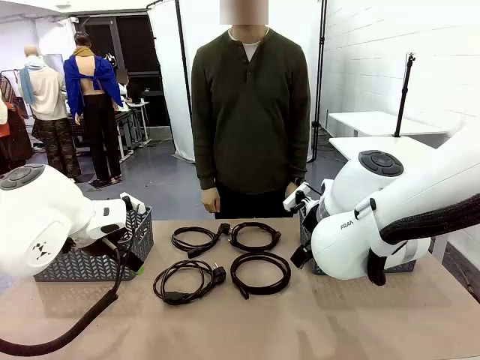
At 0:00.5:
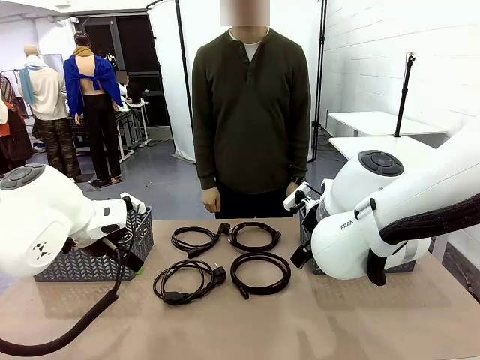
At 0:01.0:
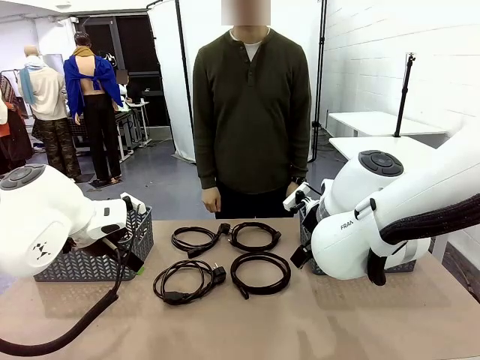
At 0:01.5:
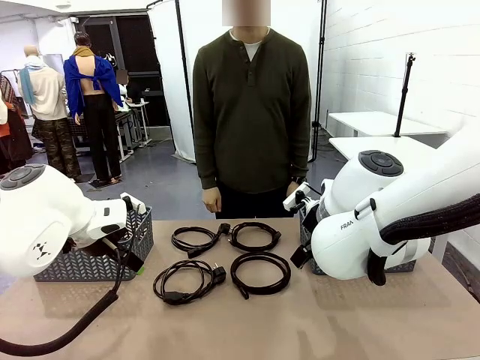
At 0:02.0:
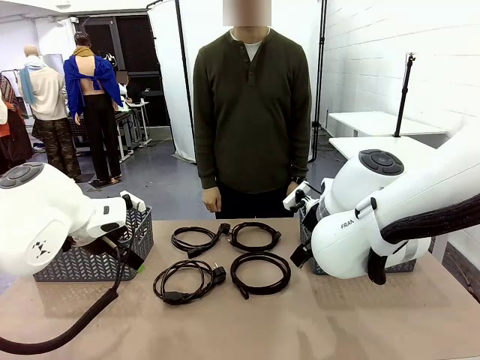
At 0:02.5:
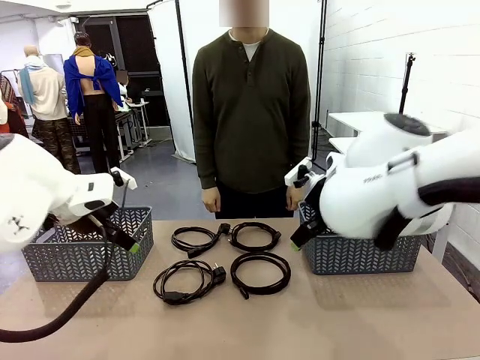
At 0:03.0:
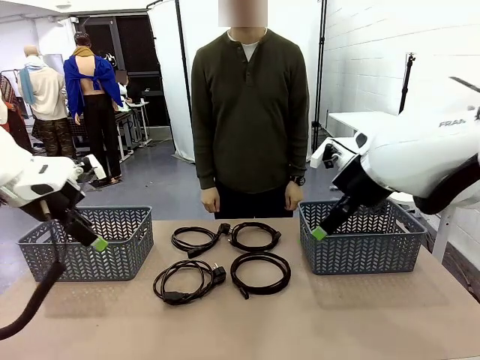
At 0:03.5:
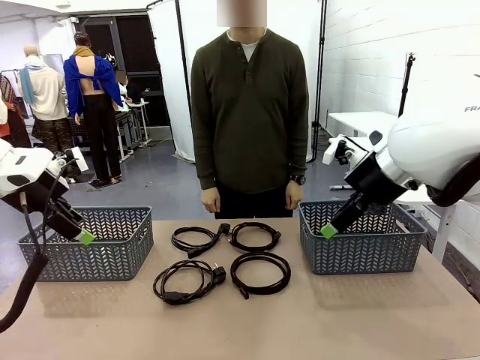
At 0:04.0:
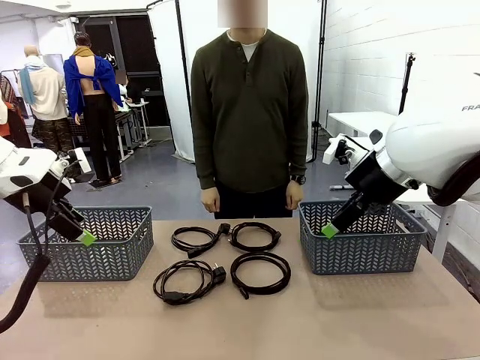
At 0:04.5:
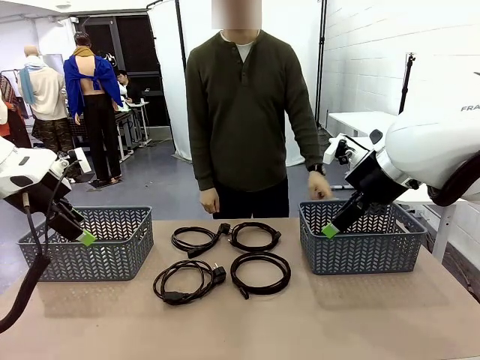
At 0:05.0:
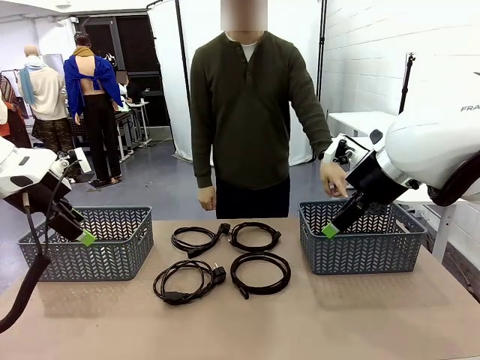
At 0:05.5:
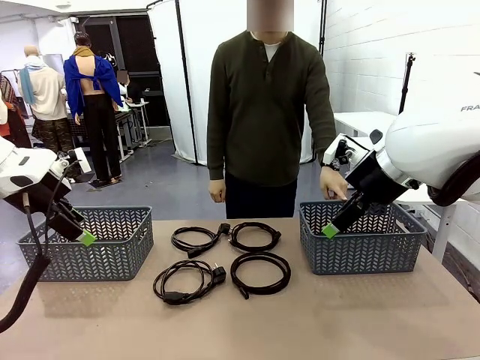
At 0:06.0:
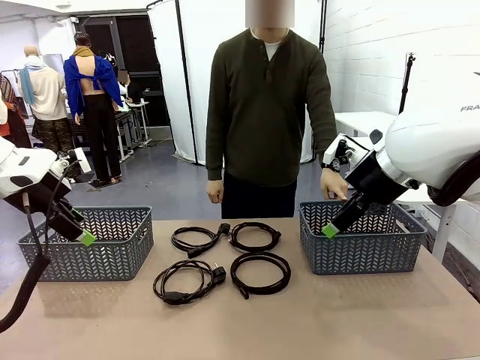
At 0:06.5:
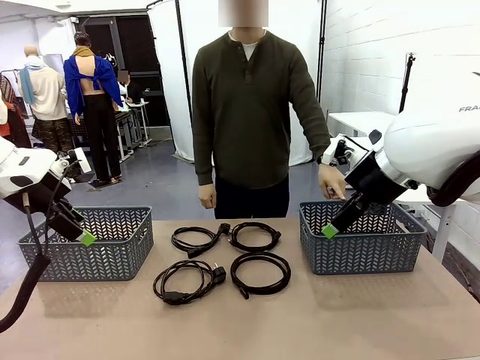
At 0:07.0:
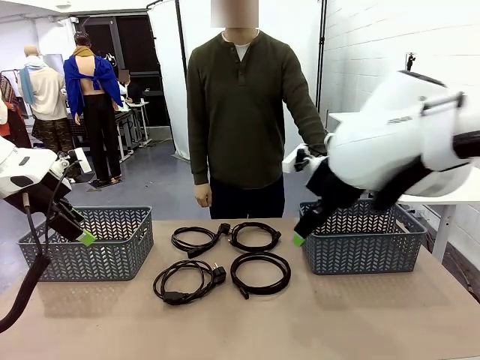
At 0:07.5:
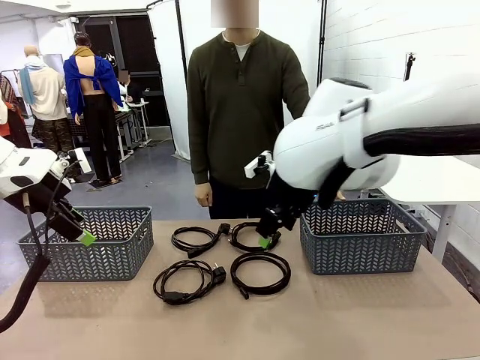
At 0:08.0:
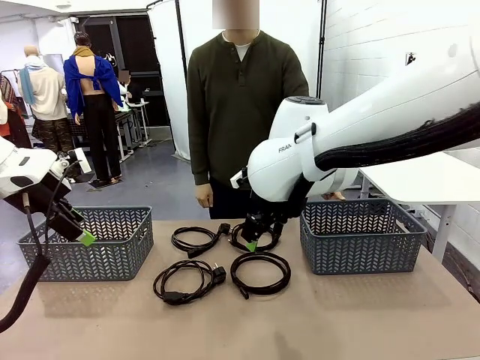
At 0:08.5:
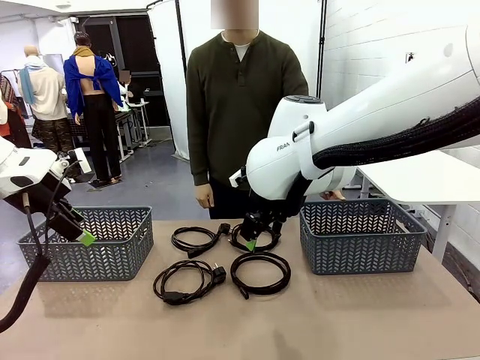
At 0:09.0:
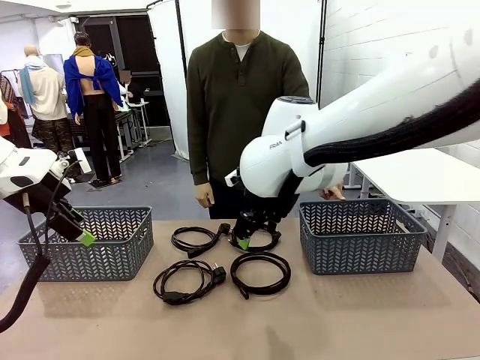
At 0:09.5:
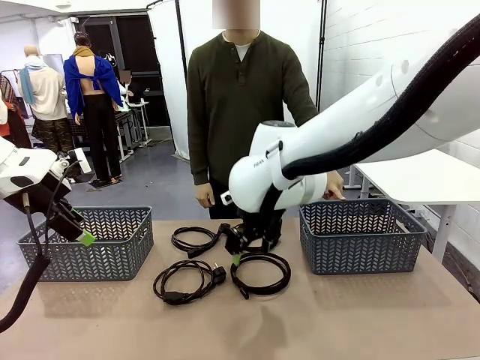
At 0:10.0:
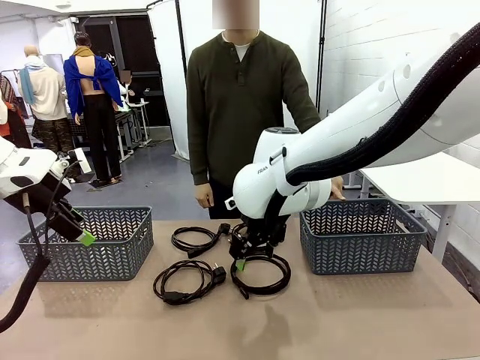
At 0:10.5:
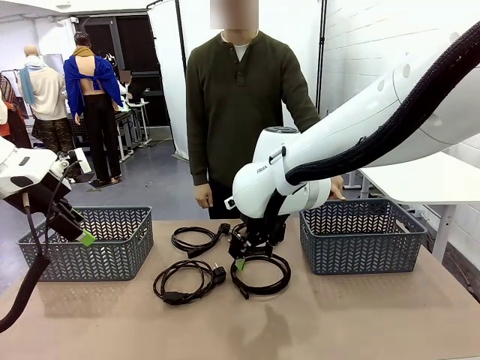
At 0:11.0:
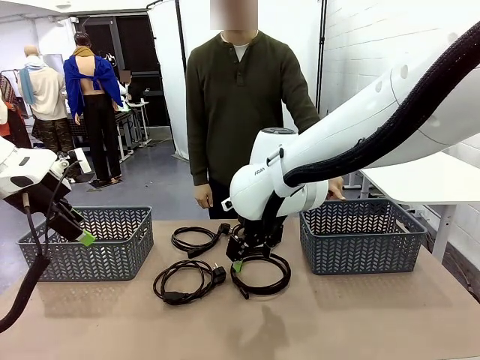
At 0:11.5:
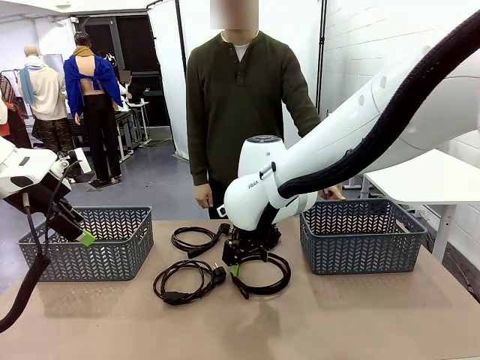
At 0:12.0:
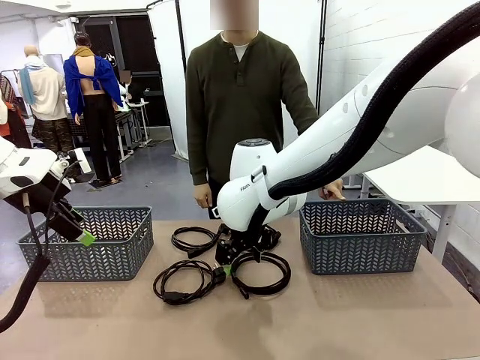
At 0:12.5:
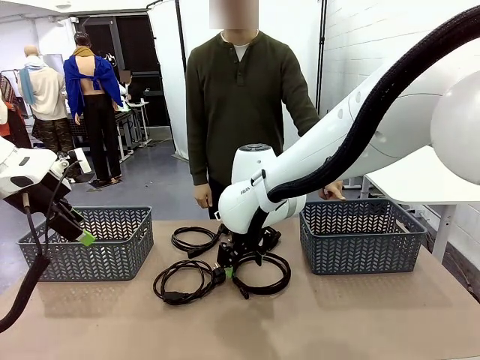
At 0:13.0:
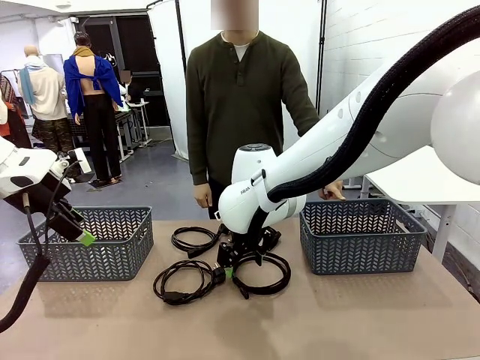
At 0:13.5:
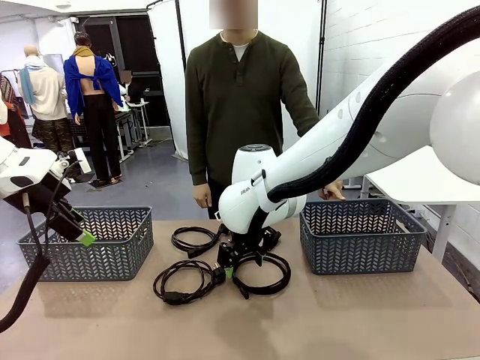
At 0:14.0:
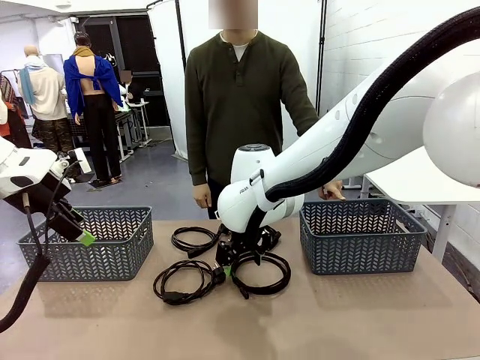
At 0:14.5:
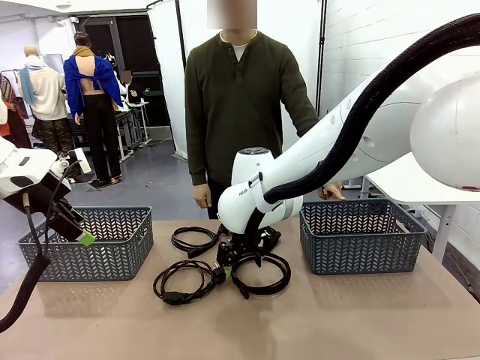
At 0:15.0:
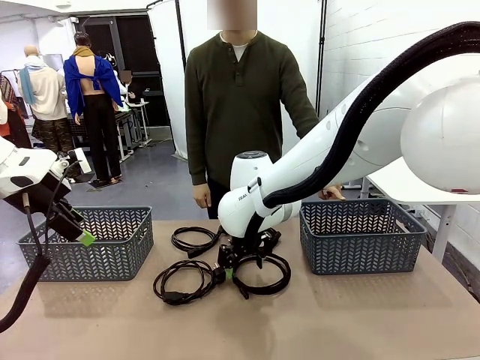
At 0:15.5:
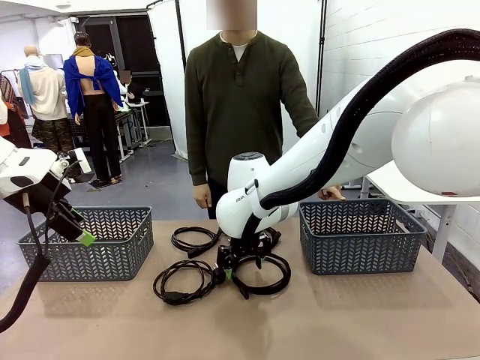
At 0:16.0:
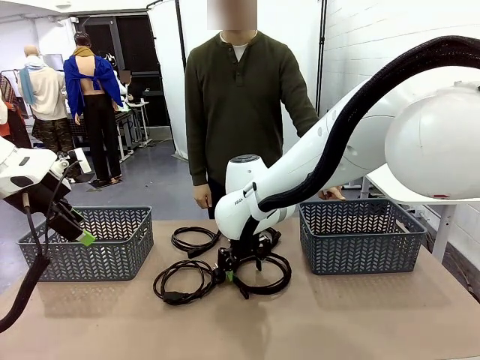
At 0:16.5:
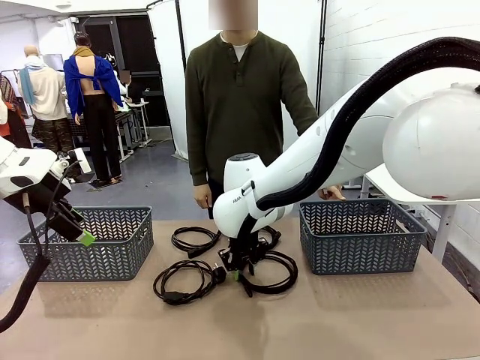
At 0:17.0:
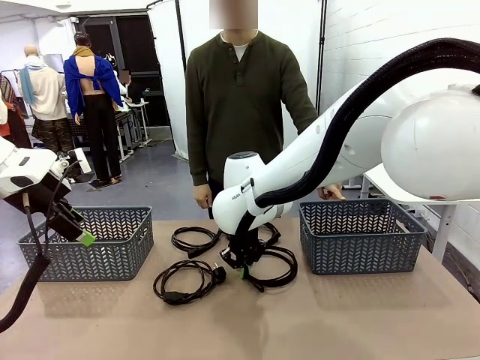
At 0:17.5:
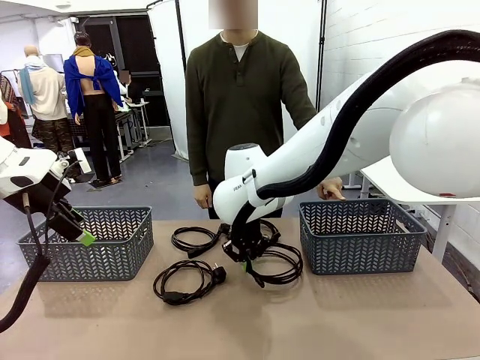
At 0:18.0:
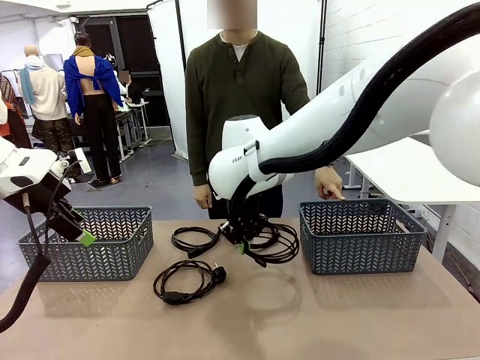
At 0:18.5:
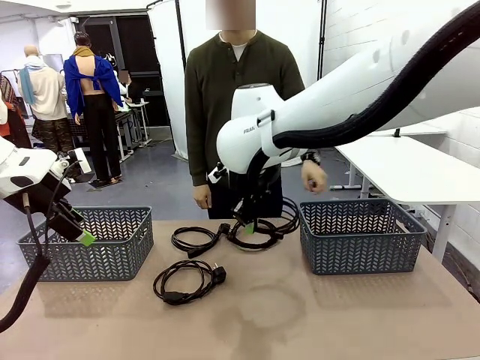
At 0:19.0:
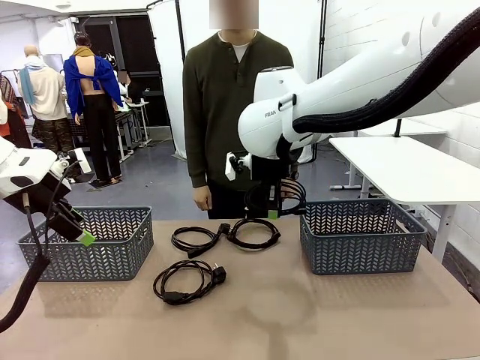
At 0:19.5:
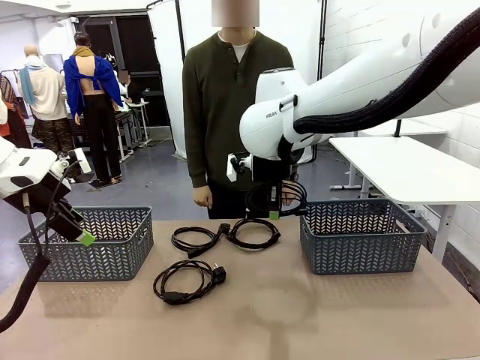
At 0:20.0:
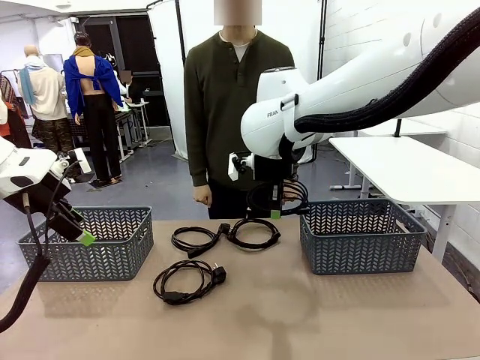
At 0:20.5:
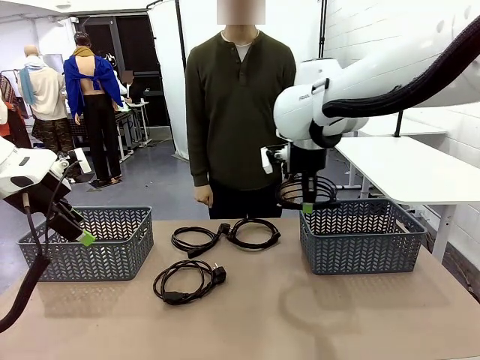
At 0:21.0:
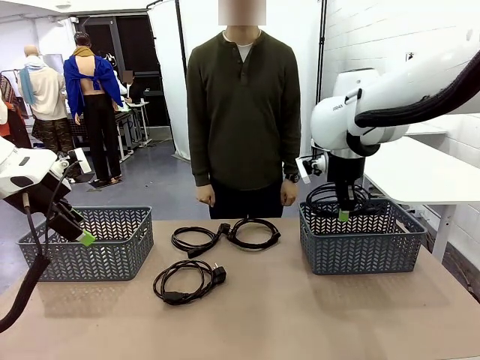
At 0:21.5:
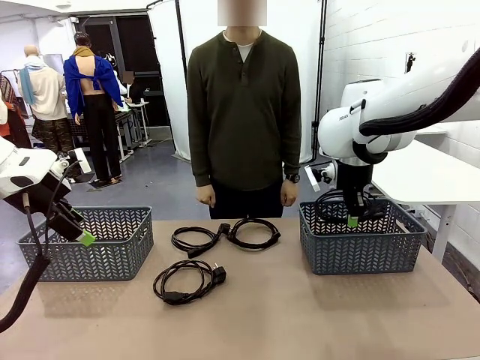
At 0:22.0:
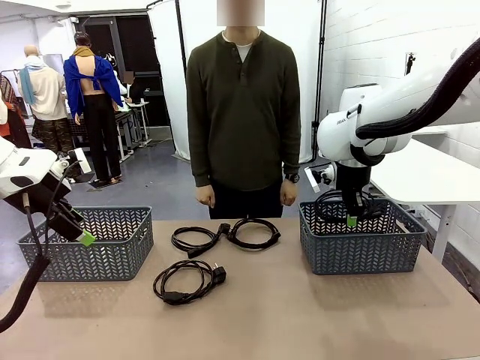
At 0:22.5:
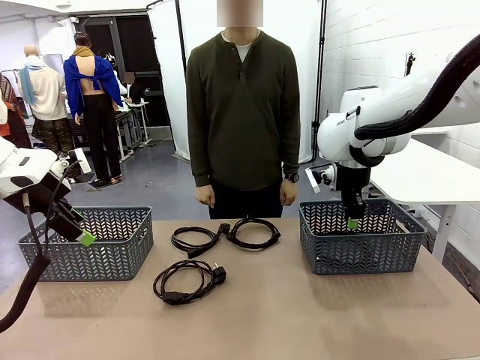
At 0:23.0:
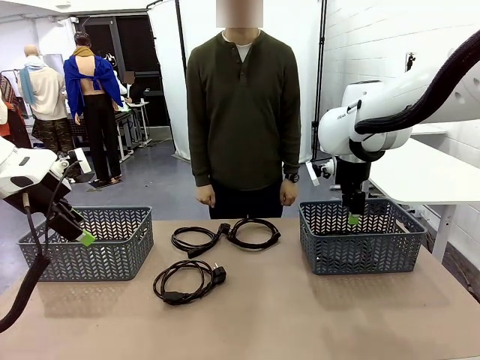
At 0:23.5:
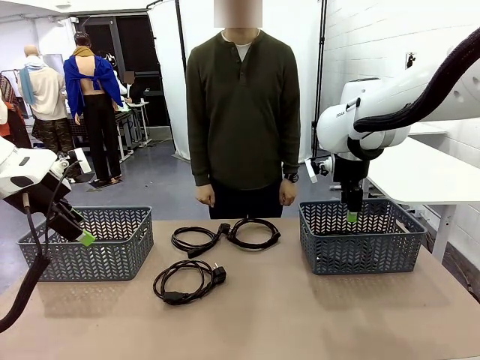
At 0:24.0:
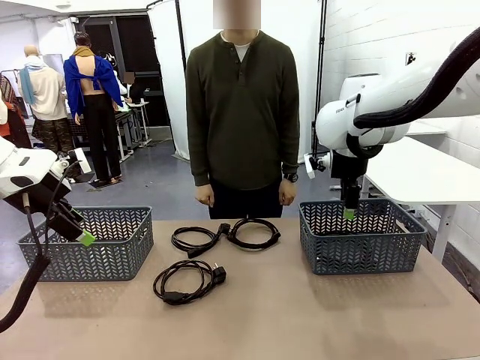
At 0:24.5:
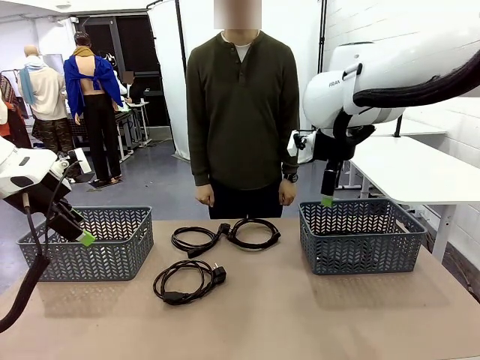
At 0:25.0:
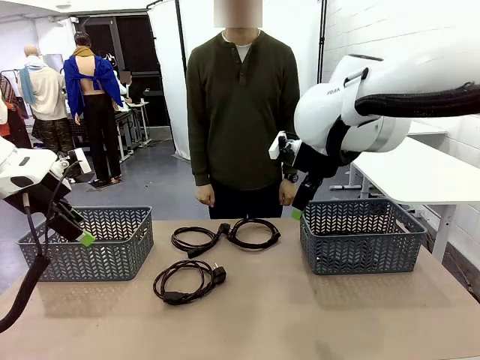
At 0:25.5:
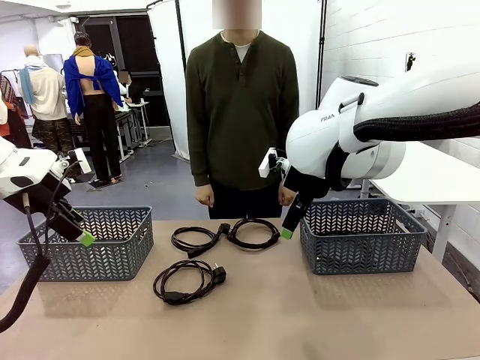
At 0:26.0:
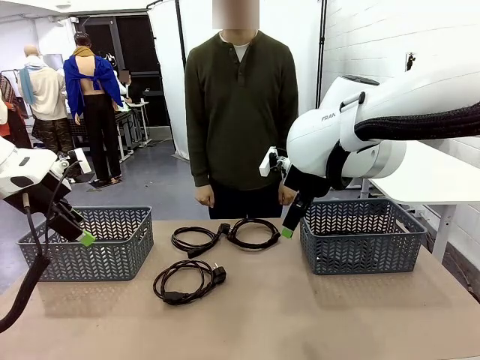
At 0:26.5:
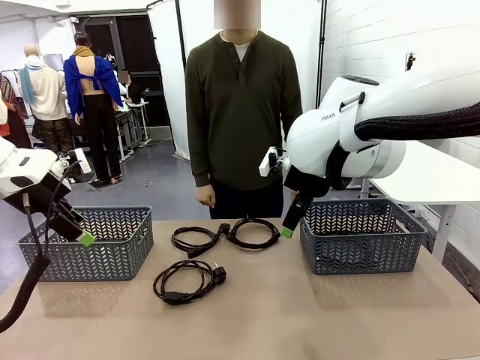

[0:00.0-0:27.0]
Task: Organize the cables according to human instructions.
Robot: Pick up a bundle of cables and place it in the basket indicated by the human.
